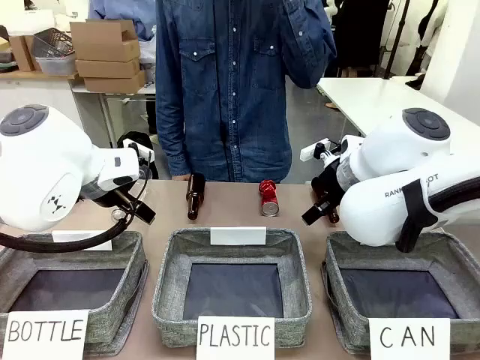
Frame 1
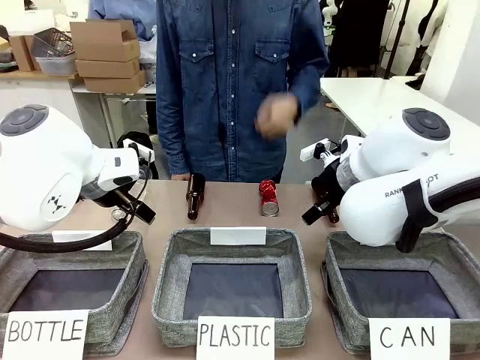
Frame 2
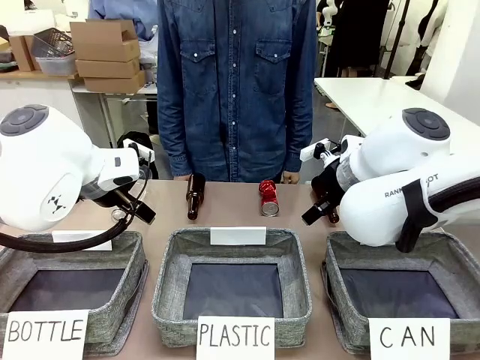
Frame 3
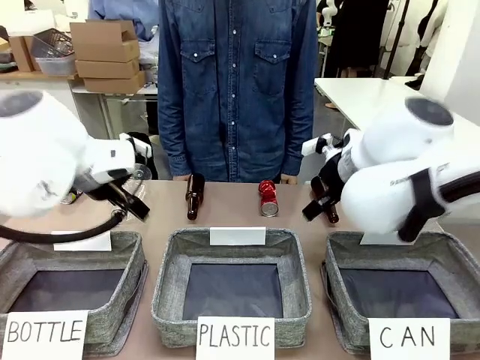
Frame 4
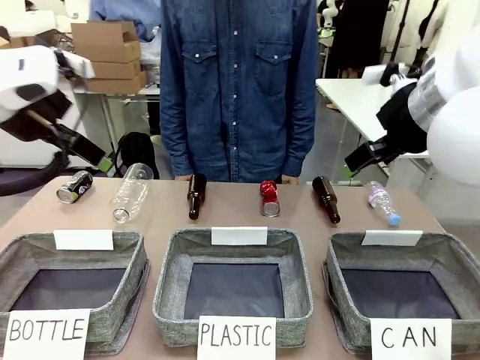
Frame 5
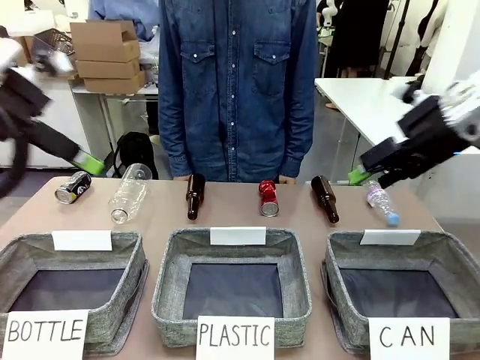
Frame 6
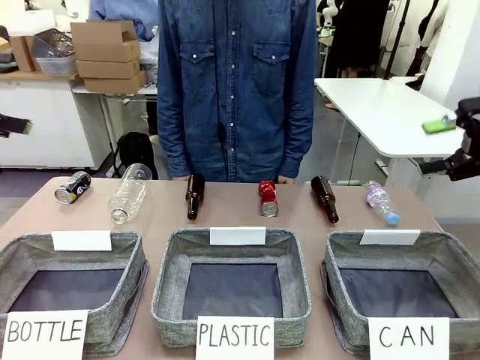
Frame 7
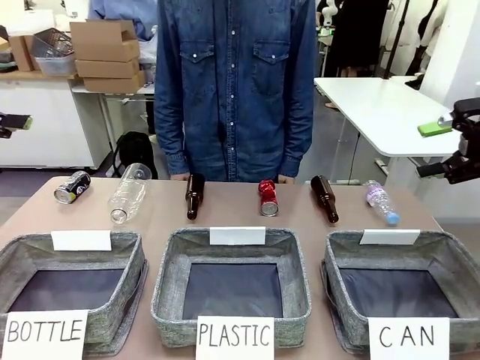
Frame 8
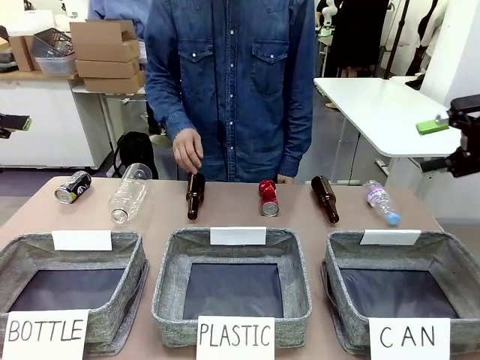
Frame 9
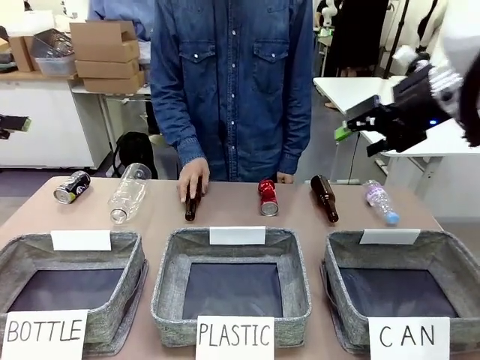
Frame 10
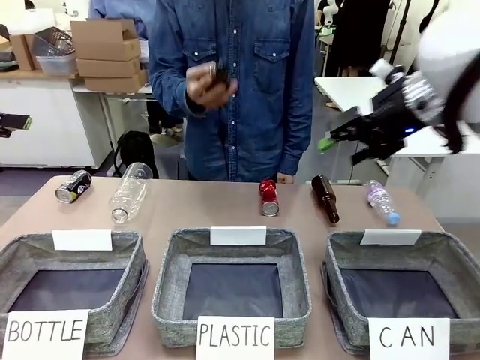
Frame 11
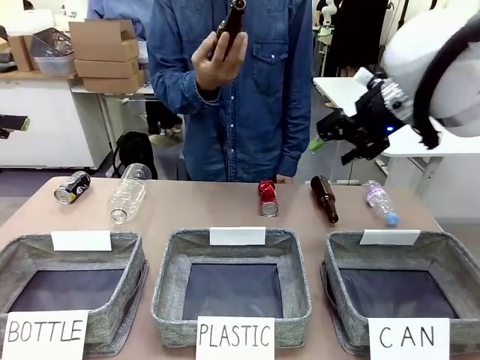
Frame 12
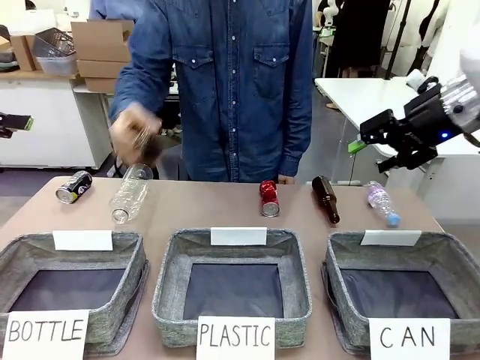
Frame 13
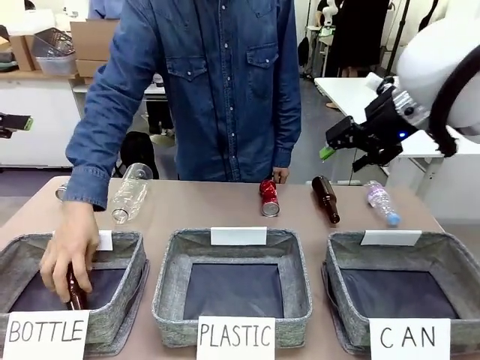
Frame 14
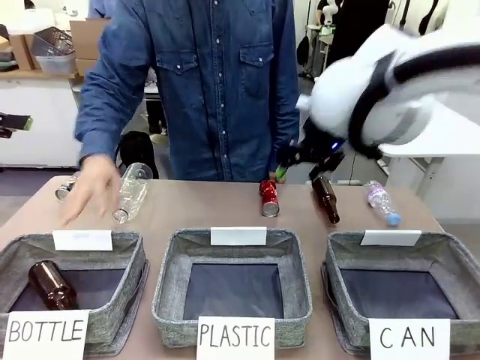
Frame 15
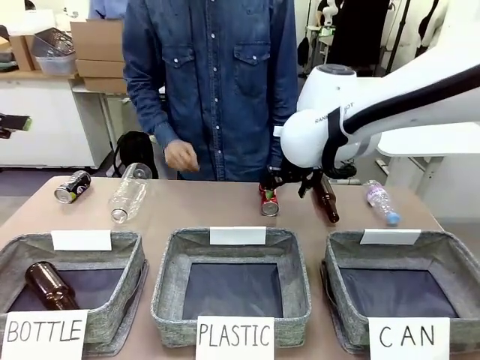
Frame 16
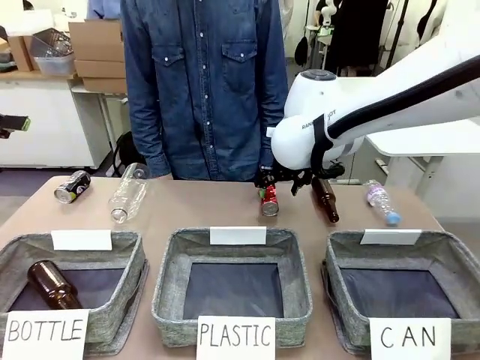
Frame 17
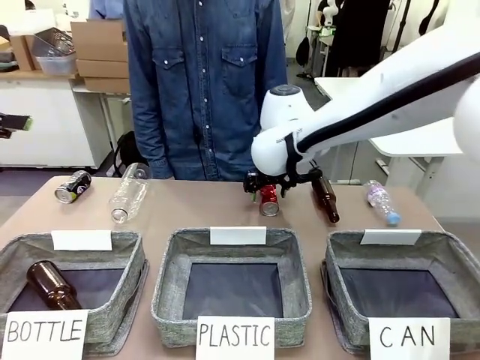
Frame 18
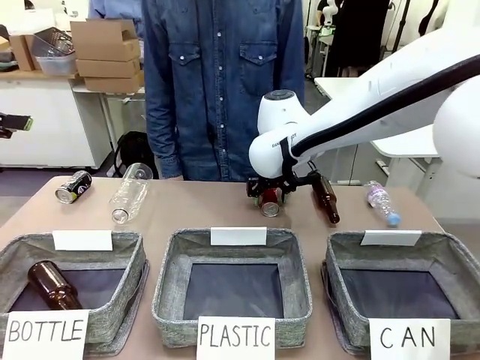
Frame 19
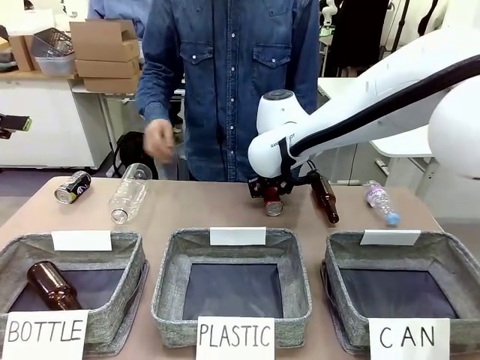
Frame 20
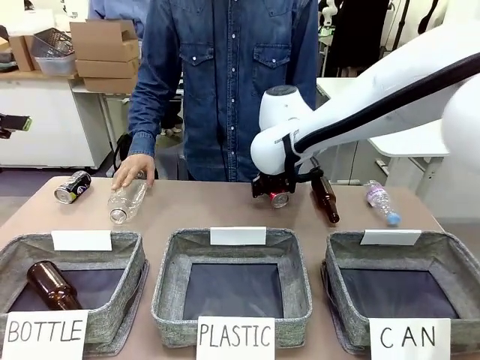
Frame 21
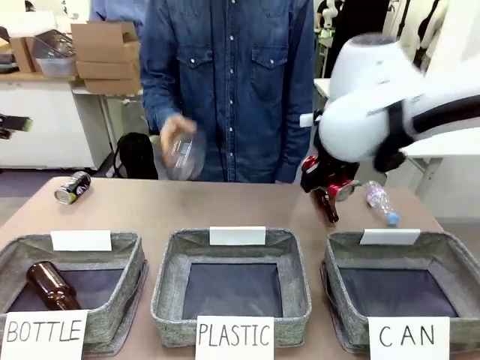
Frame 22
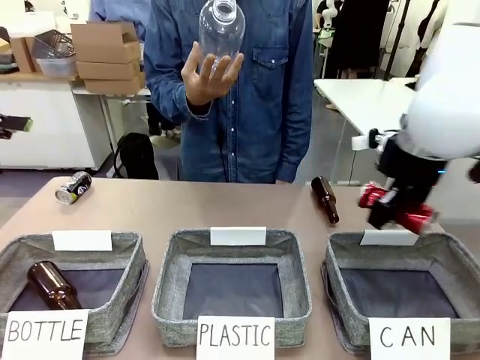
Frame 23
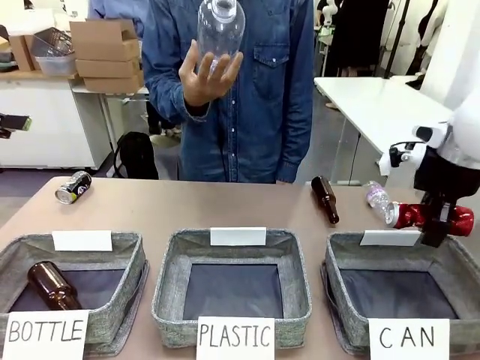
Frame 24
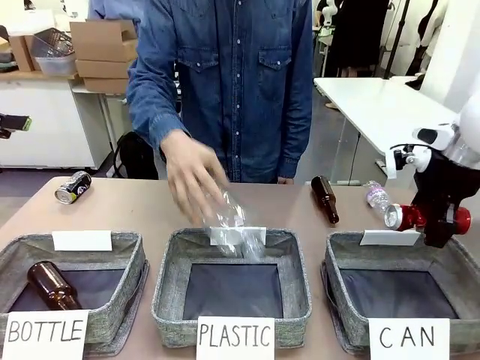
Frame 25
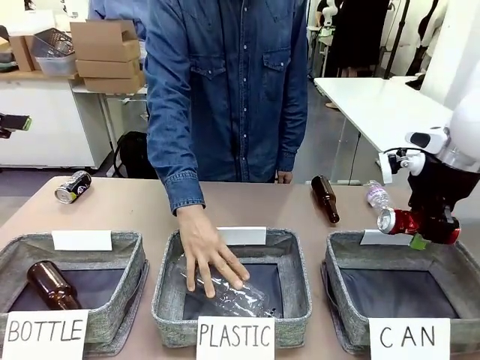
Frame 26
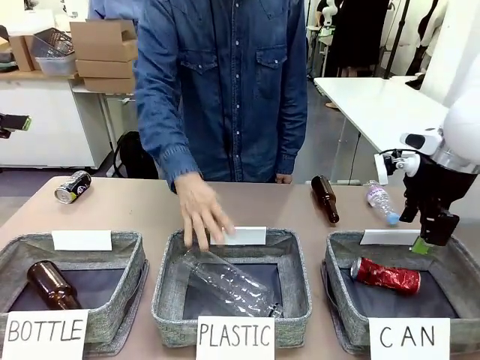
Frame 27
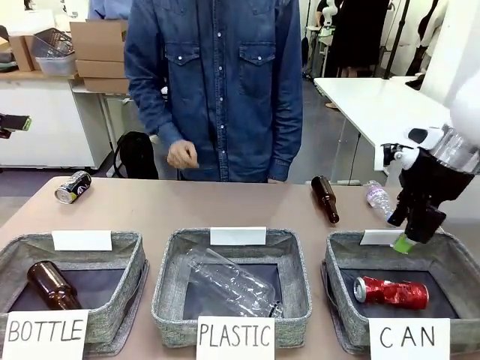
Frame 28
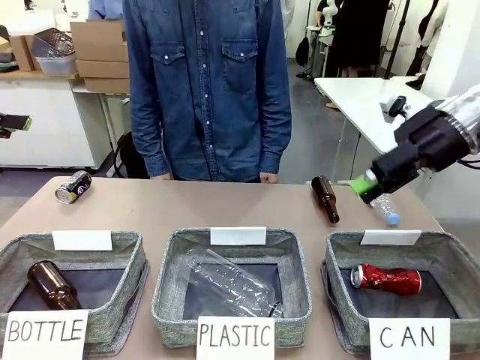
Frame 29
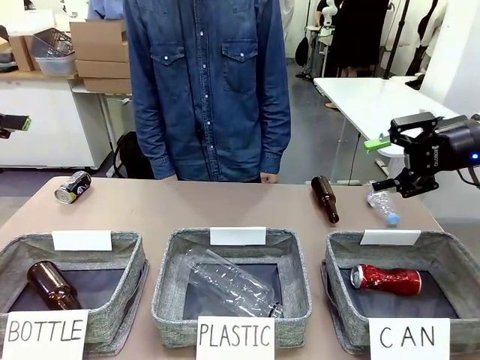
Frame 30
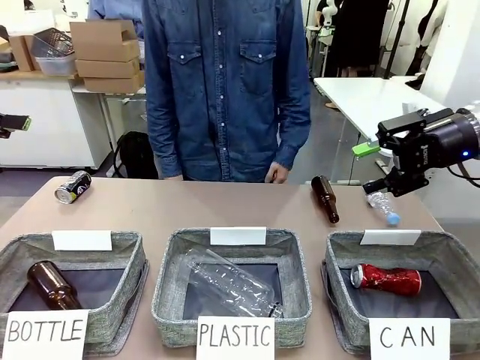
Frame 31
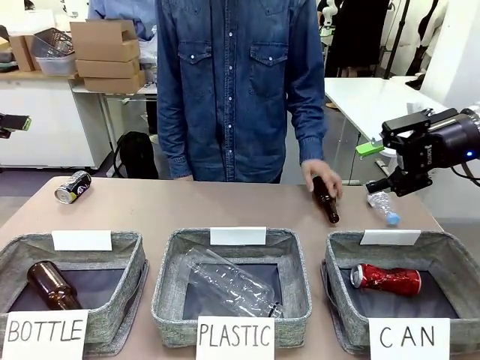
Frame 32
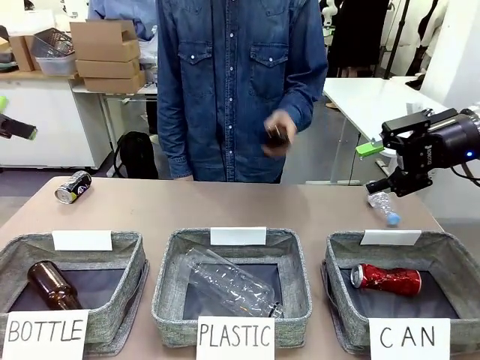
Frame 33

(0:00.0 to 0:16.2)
Task: Sort the can waste into the basket.
Robot: Pick up the can waste from the table and place it in the right Fabric basket.

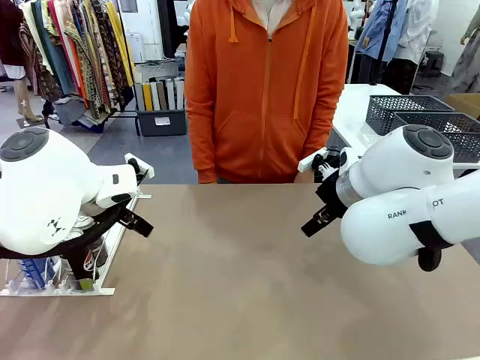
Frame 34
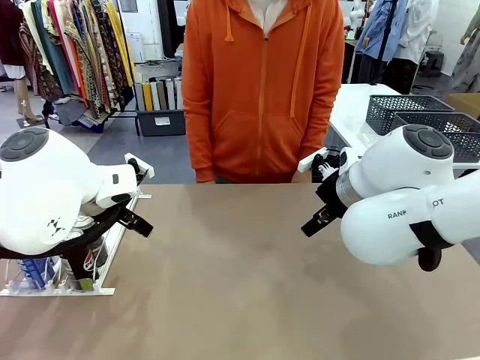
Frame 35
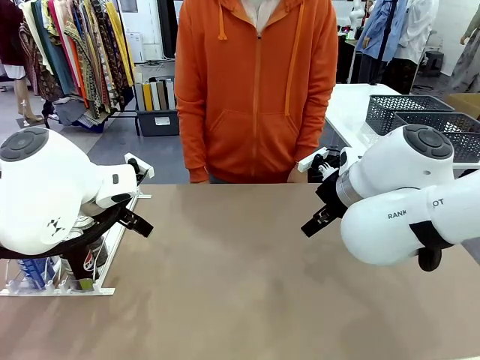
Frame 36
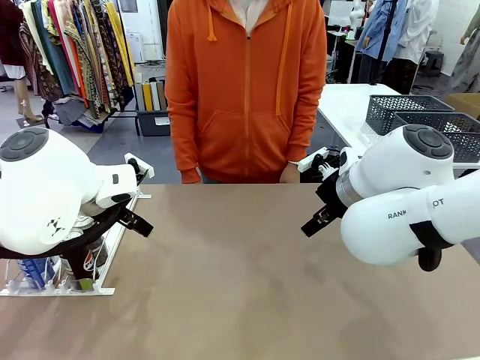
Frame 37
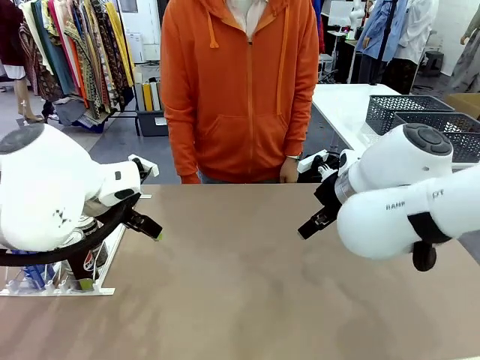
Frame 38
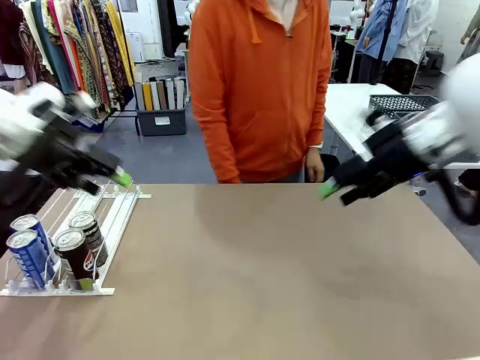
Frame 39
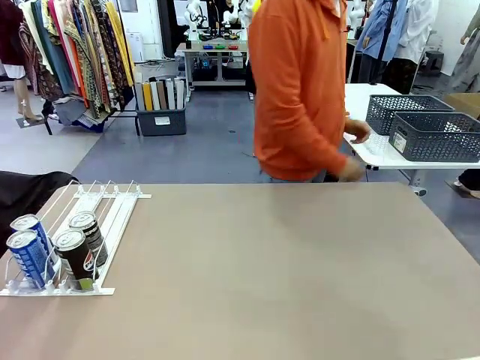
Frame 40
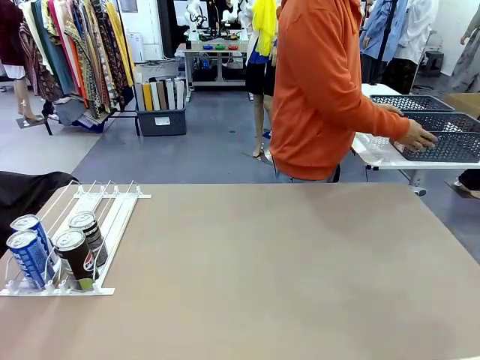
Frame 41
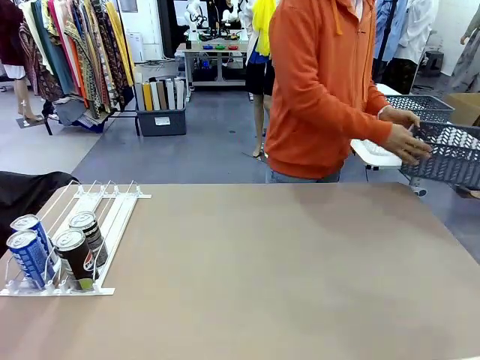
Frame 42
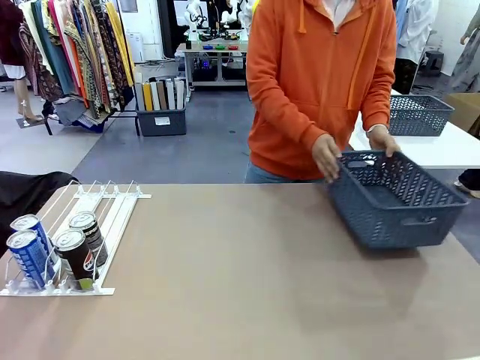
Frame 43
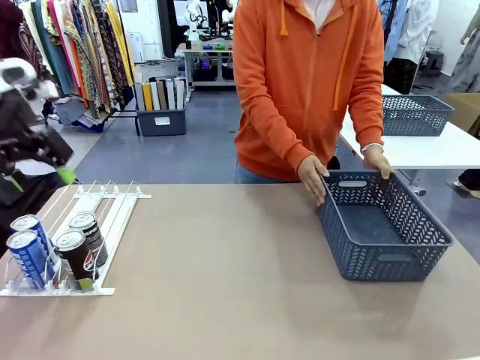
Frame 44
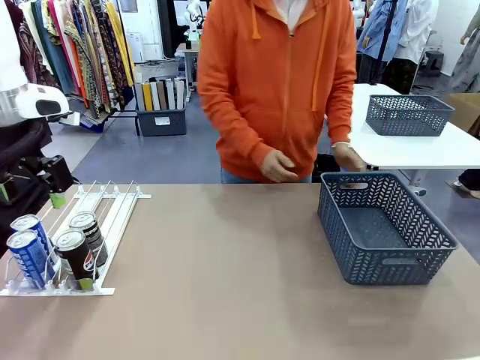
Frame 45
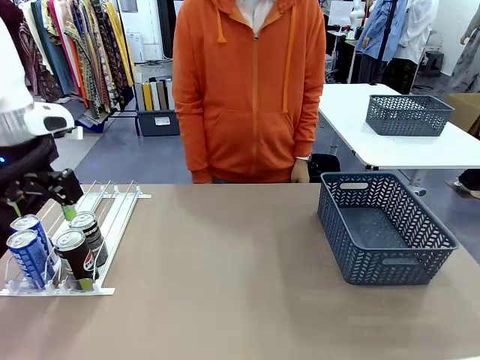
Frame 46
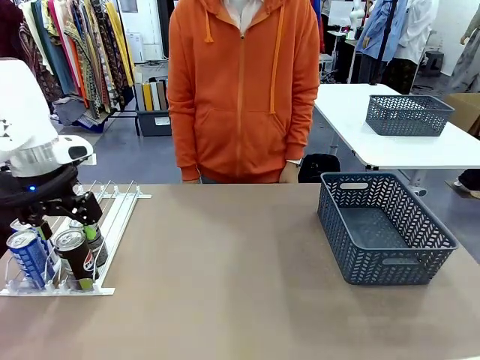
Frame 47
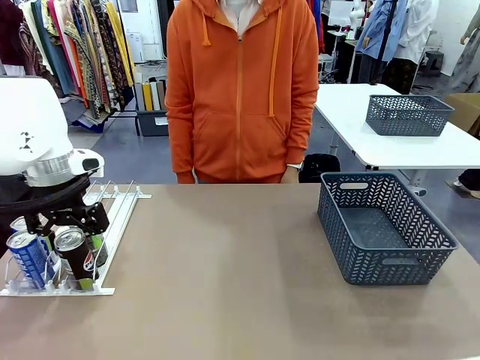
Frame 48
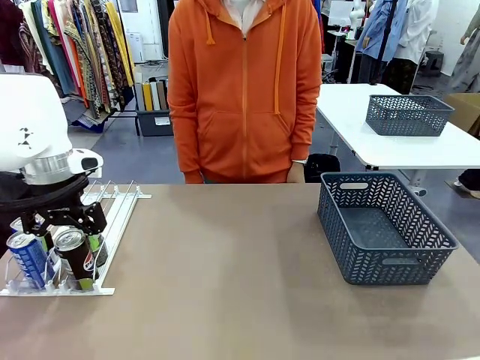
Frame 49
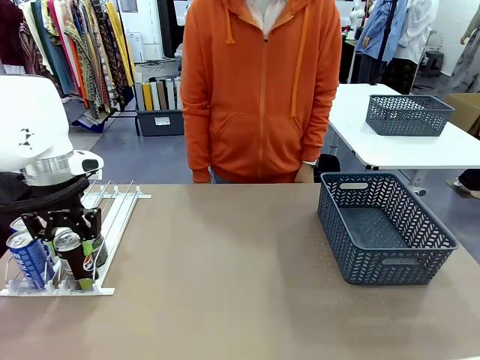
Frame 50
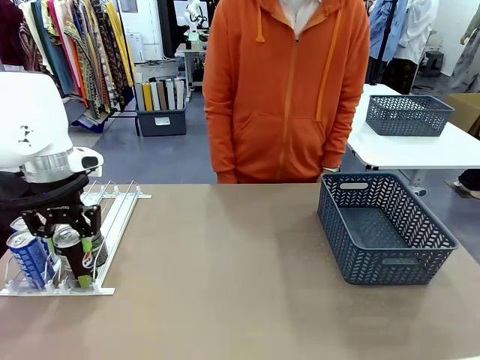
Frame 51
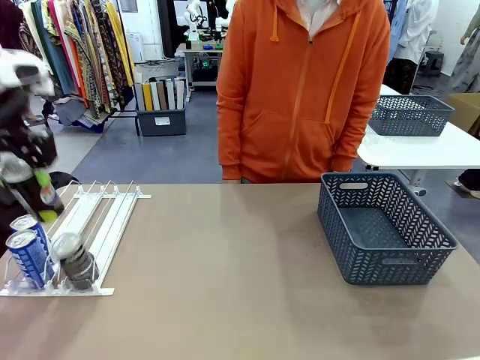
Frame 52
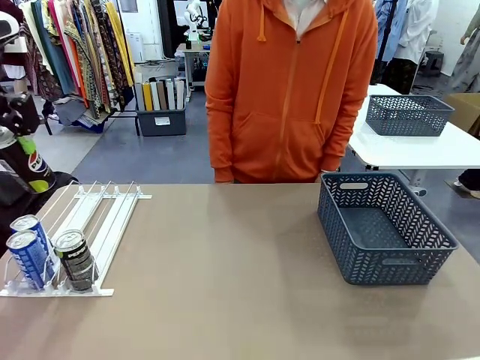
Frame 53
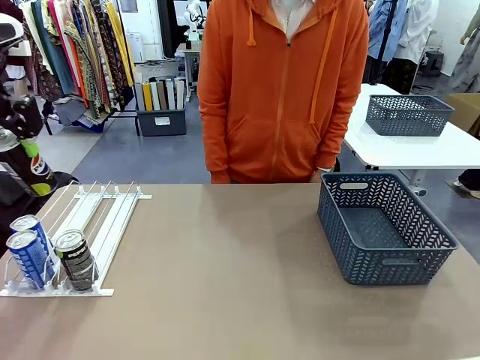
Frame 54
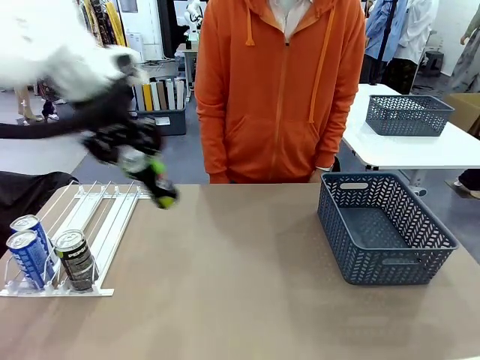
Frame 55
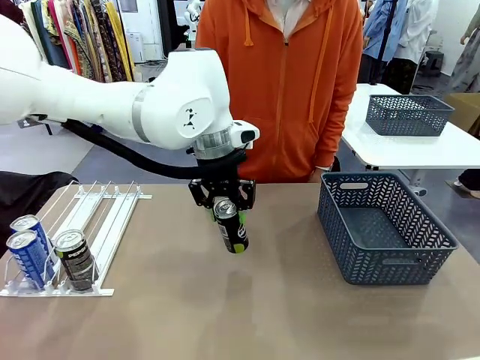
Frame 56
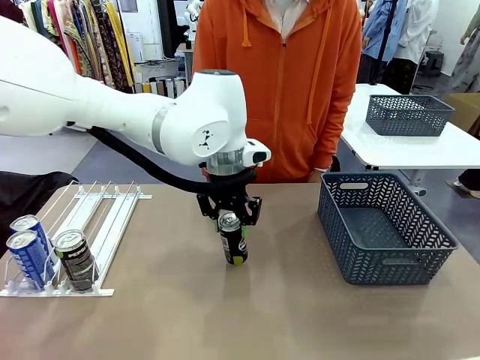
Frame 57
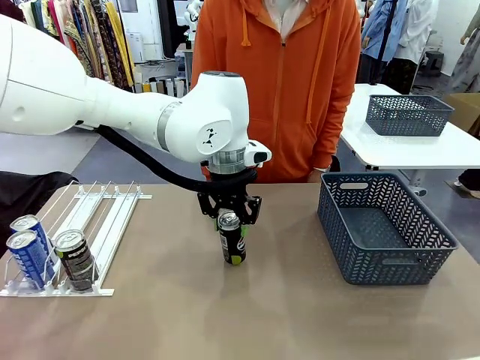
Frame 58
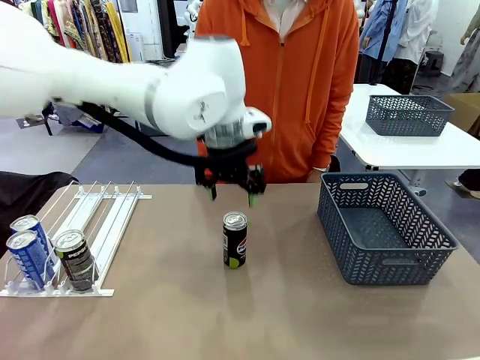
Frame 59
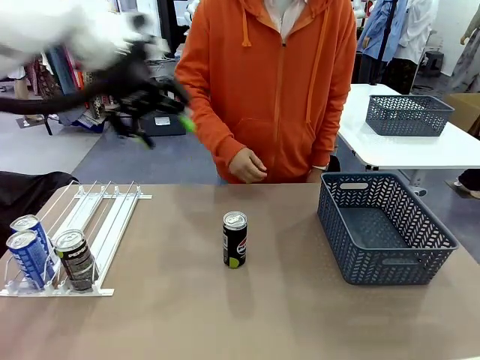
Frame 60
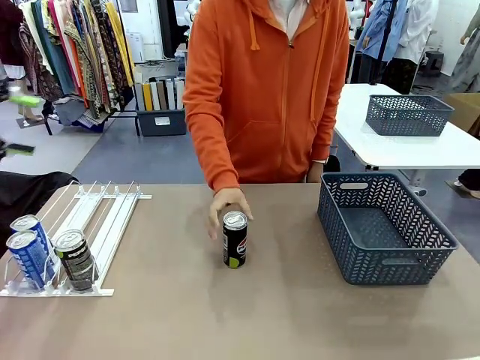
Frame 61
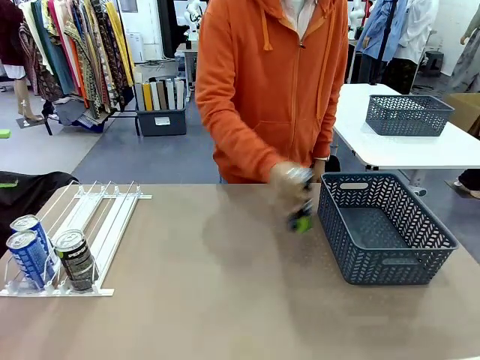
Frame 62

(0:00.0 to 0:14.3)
Task: Retrieve and store the cans from the dispenser.
Robot: Pick up one can from the Automatic Can Dispenser and place it in the middle of the table.
Person: Pick up the basket and place it on the left side of the robot table.
